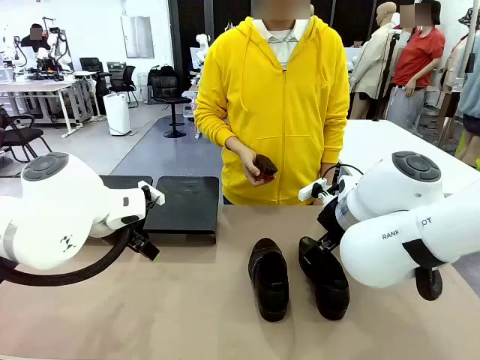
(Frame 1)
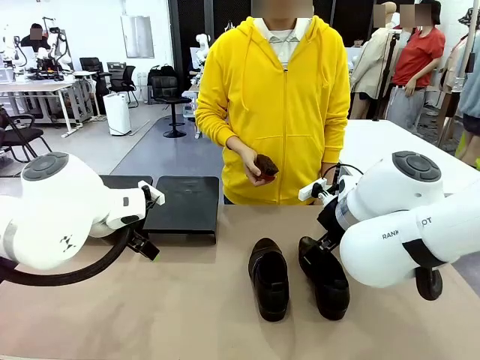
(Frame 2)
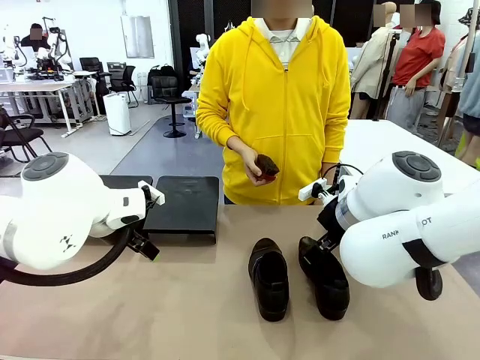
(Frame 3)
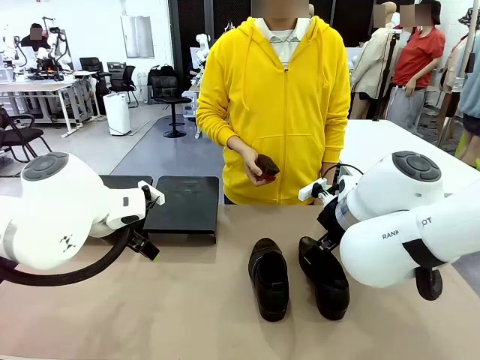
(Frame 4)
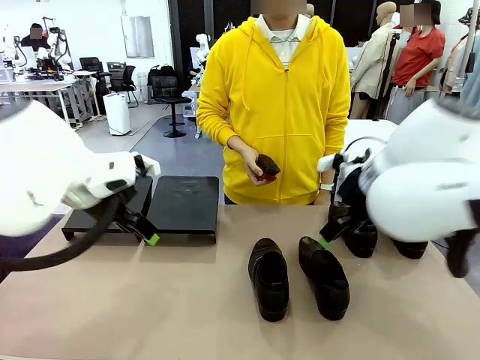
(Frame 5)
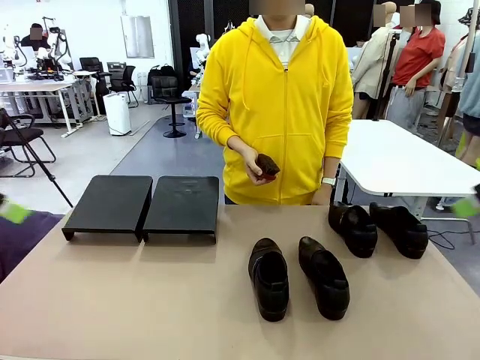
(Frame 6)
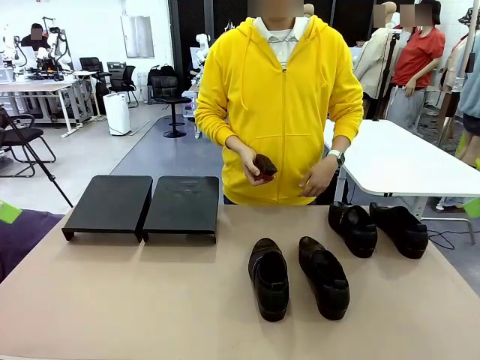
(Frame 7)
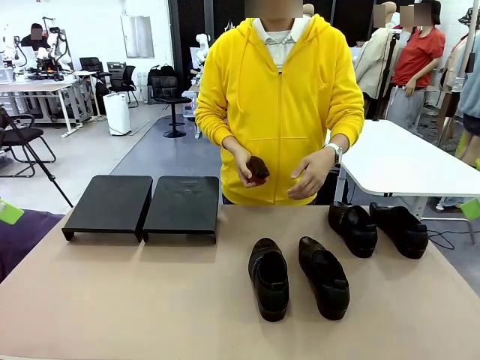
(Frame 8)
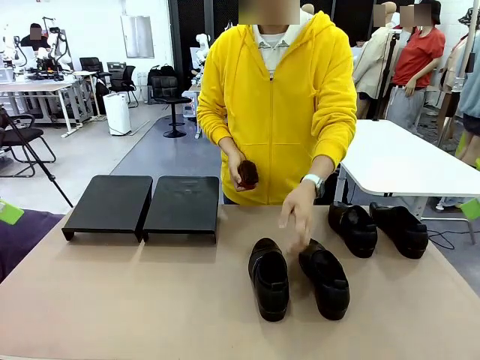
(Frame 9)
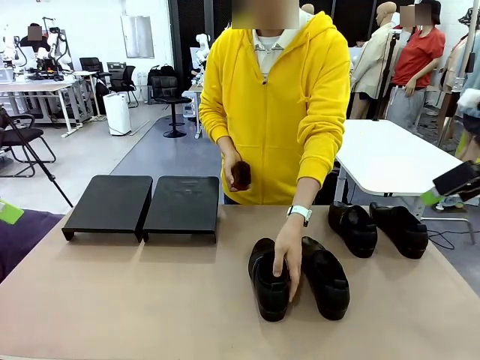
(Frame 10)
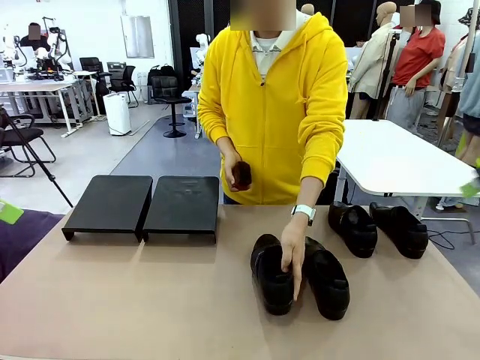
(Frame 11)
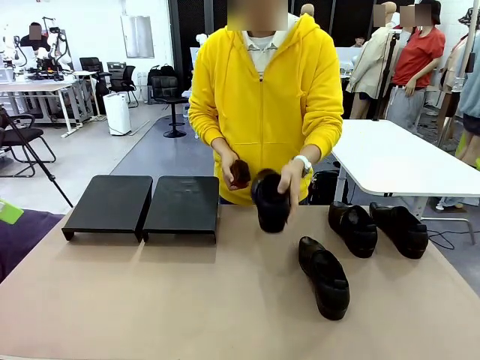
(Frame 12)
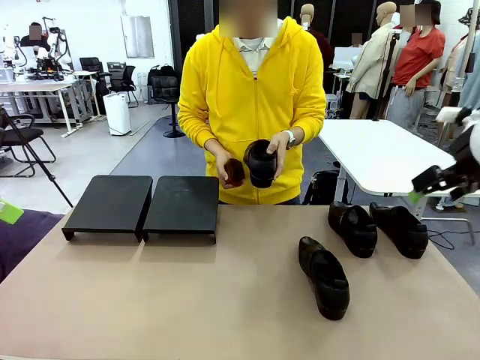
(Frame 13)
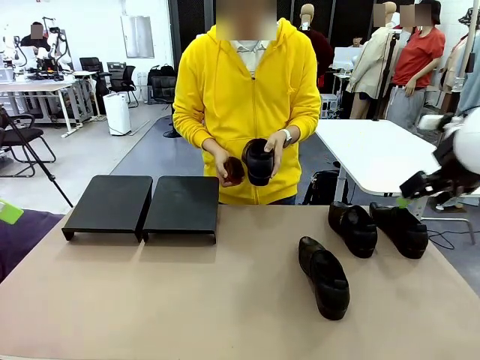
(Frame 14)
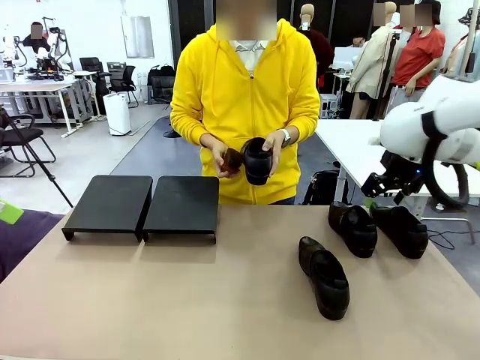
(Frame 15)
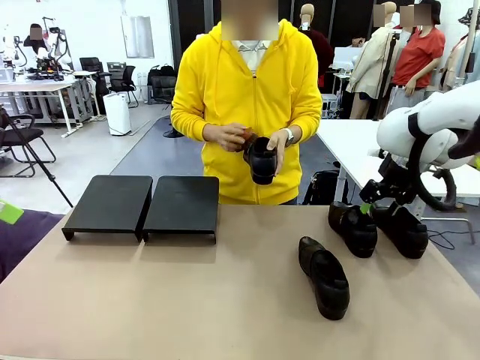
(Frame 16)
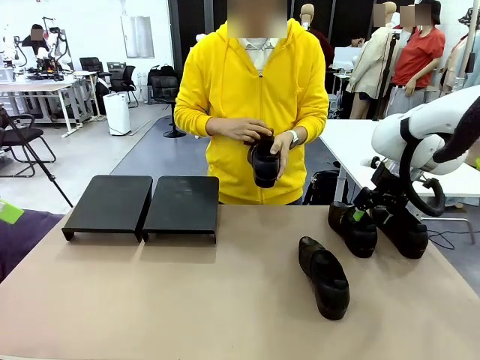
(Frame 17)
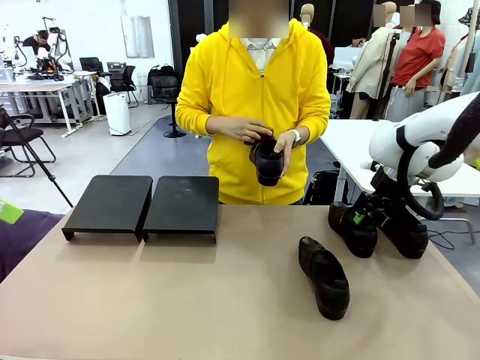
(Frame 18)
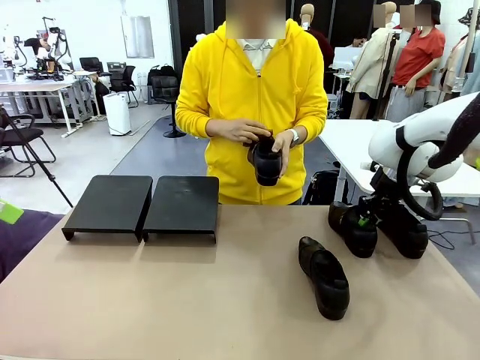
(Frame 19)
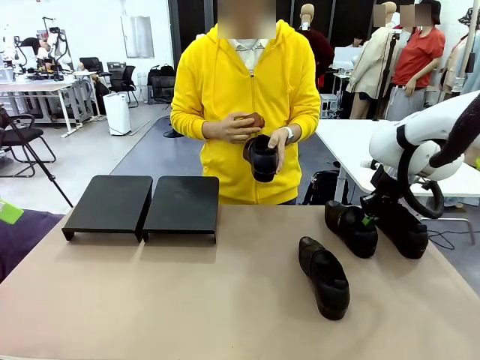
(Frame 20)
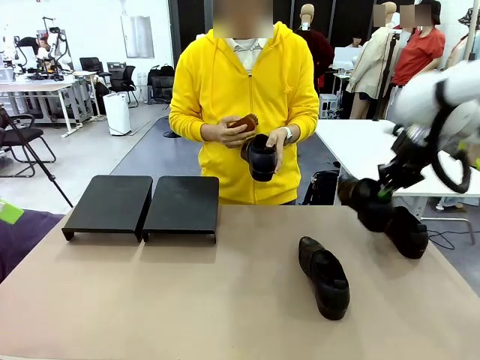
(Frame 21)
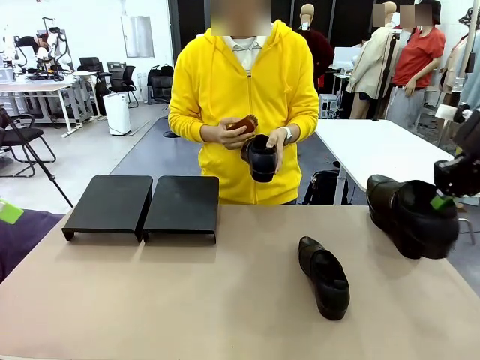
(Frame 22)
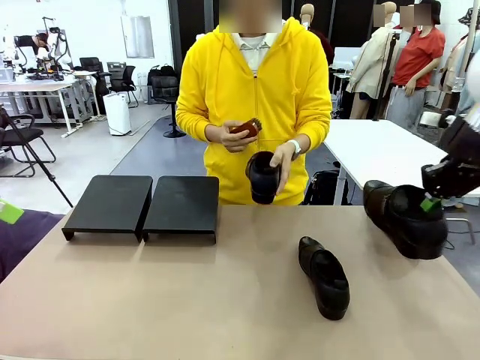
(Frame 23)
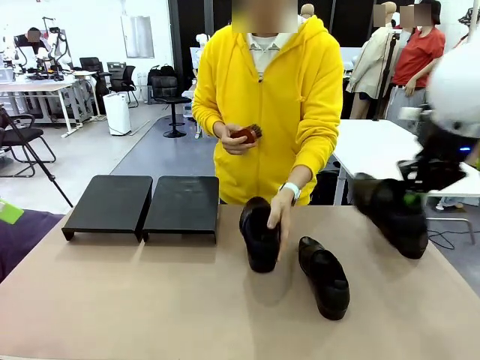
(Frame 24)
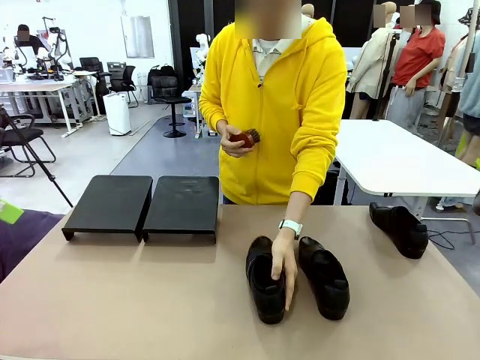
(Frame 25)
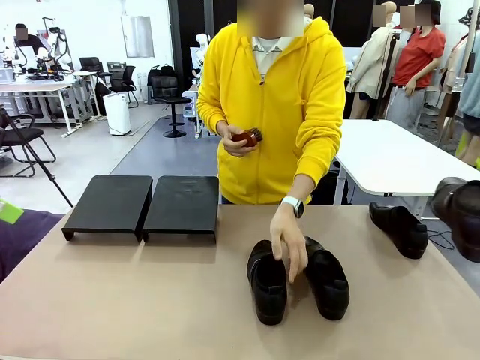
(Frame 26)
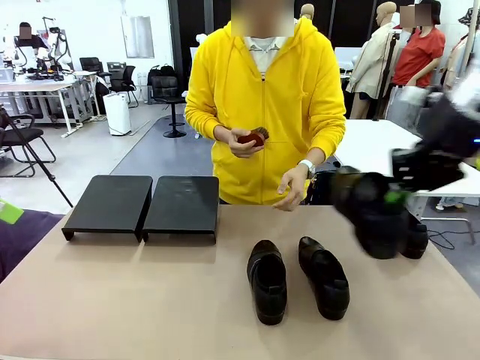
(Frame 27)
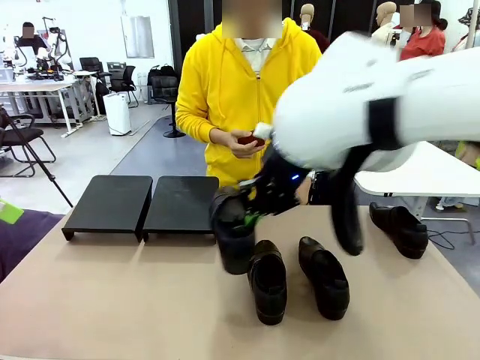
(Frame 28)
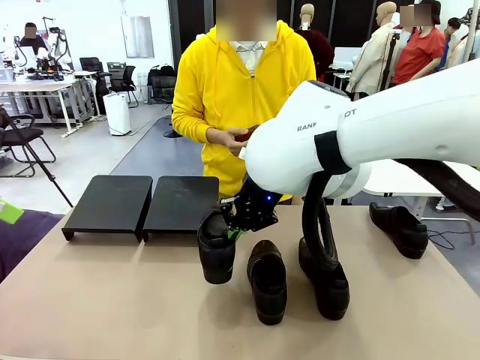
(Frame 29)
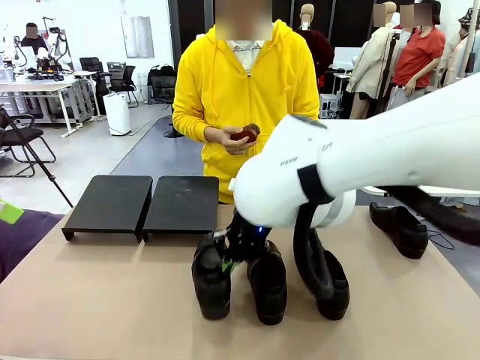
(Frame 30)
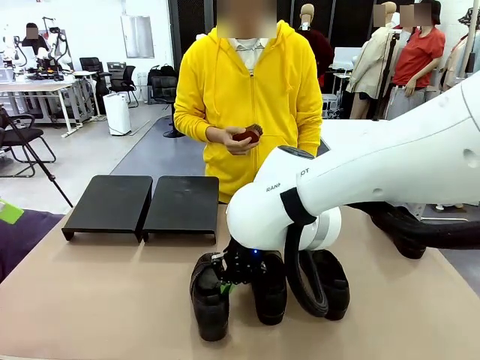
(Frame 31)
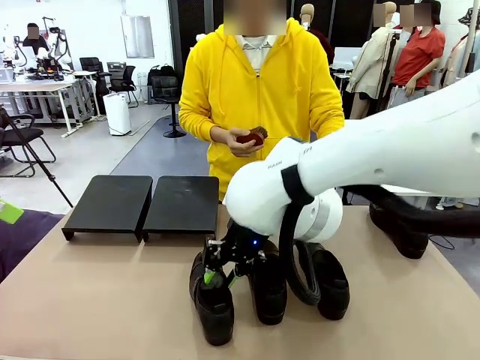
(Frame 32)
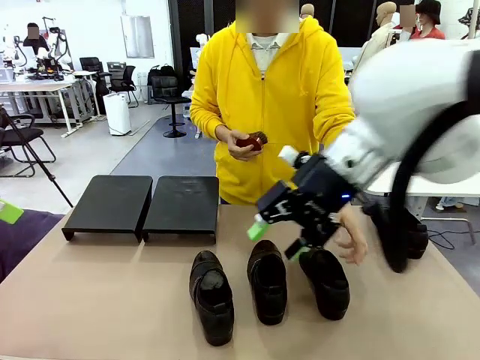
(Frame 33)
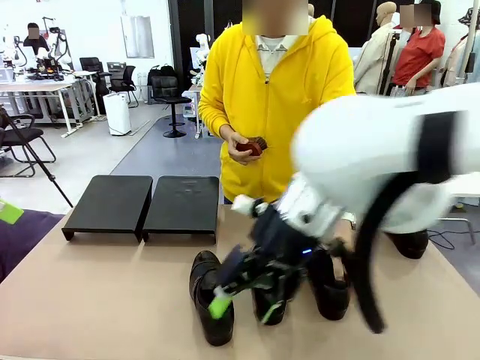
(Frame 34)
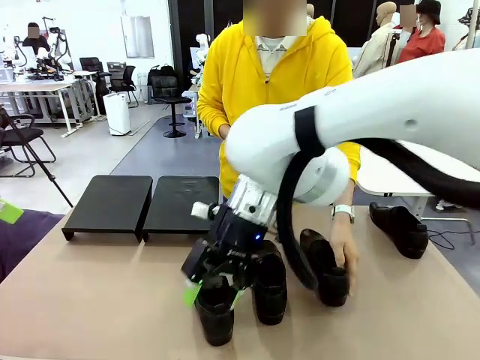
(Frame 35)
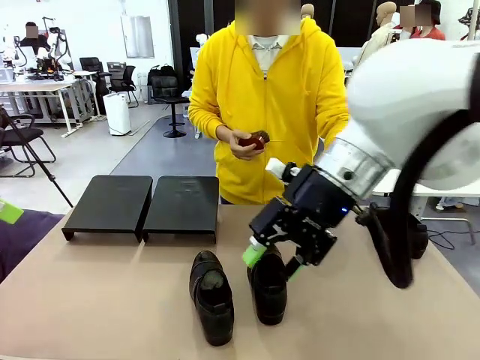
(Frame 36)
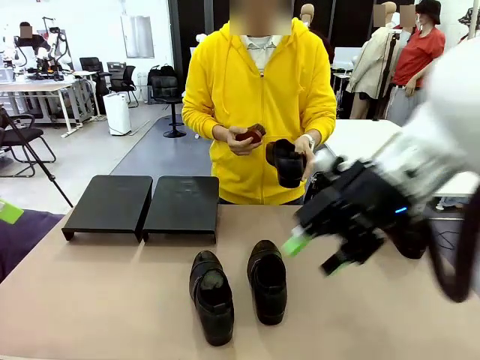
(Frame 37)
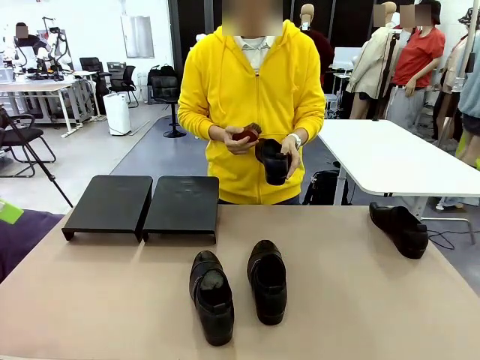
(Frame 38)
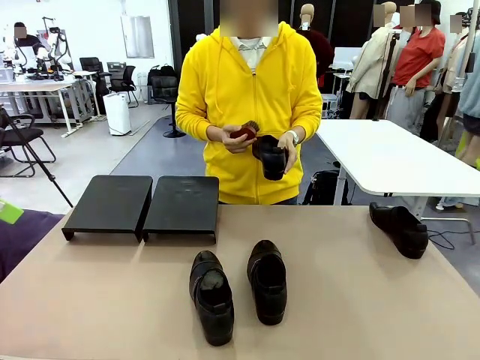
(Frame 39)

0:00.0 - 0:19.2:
Task: Organize the shoes by placing them on the stand.
Robot: Pick up one Shoe and place it in the middle of the table.
Person: Pick one Shoe on Robot's table. Clean the Shoe with the Shoe Brush. Place the Shoe on left side of the Robot's table. Pick one Shoe on Robot's table.

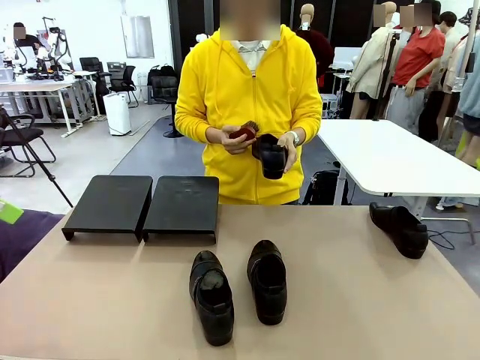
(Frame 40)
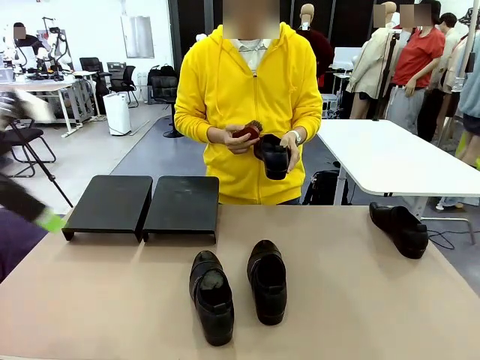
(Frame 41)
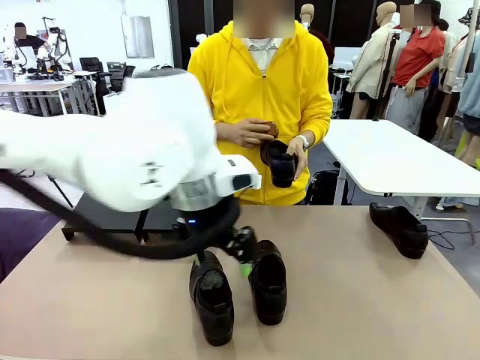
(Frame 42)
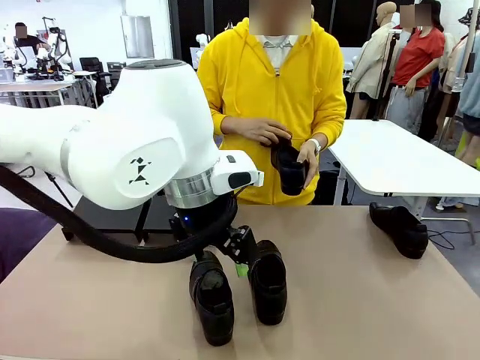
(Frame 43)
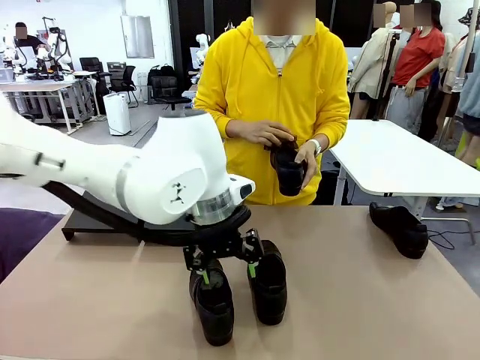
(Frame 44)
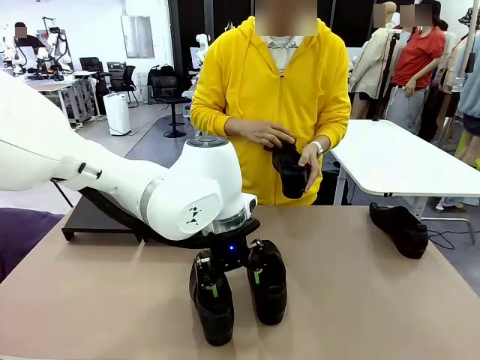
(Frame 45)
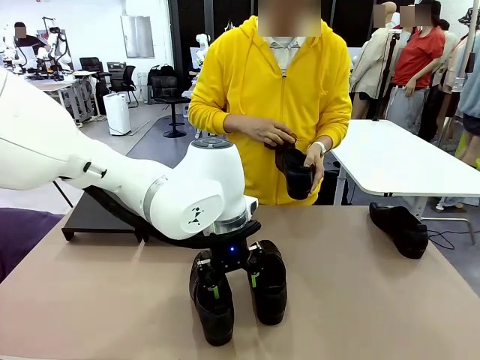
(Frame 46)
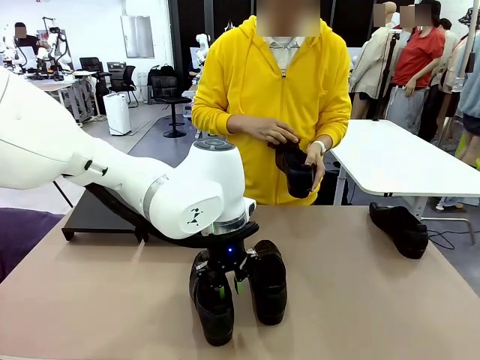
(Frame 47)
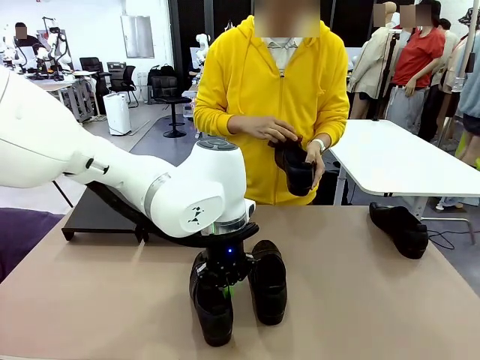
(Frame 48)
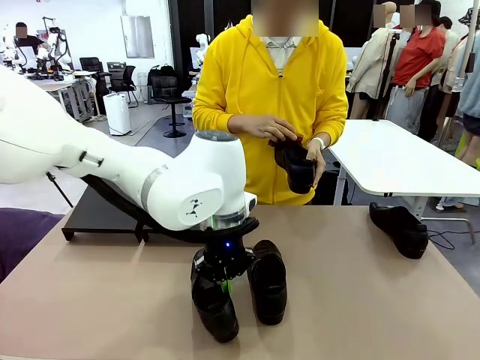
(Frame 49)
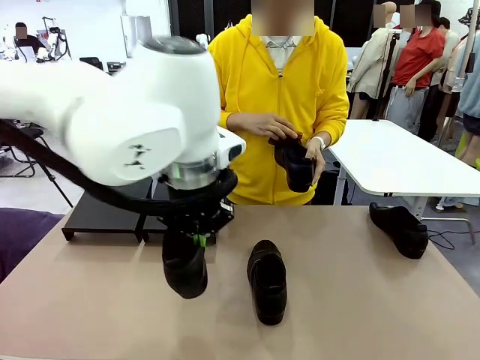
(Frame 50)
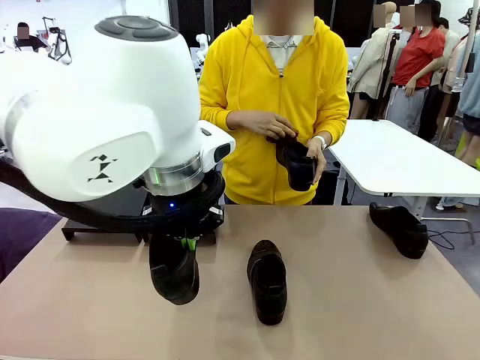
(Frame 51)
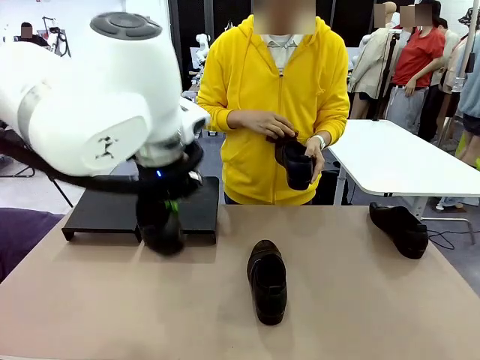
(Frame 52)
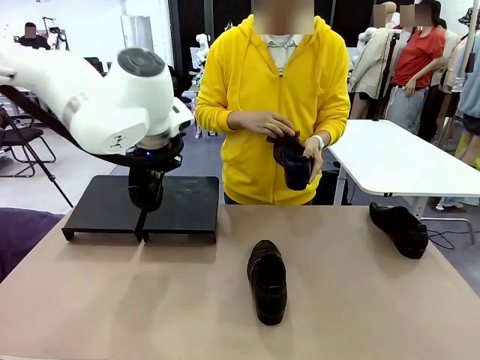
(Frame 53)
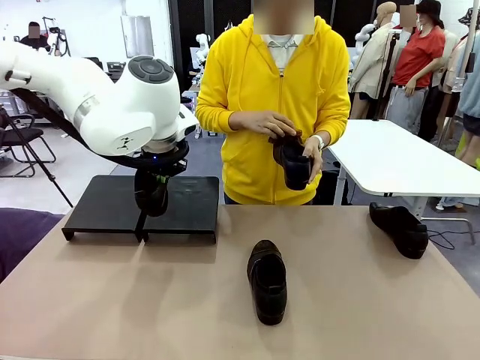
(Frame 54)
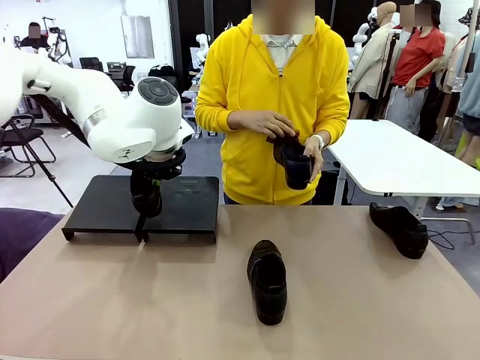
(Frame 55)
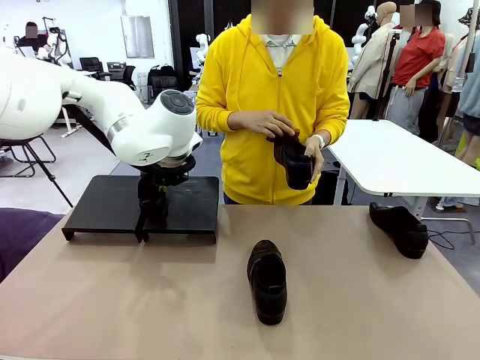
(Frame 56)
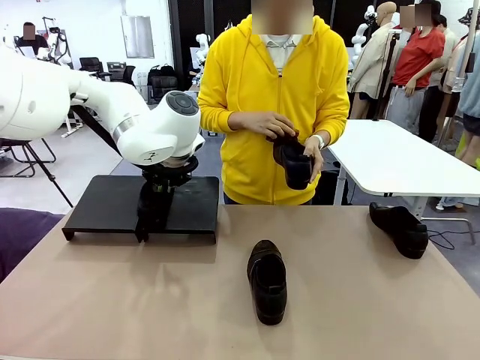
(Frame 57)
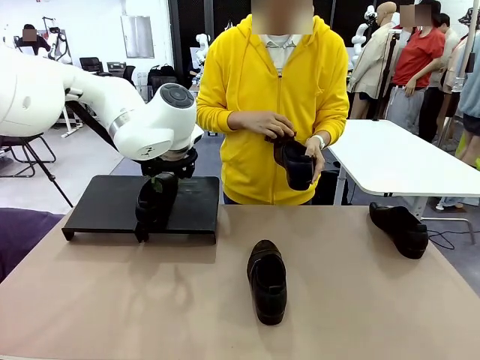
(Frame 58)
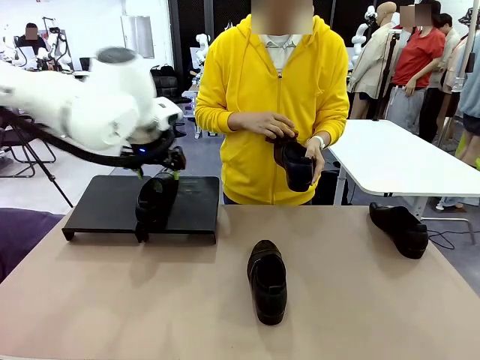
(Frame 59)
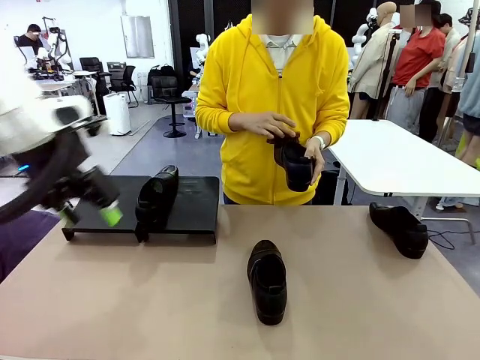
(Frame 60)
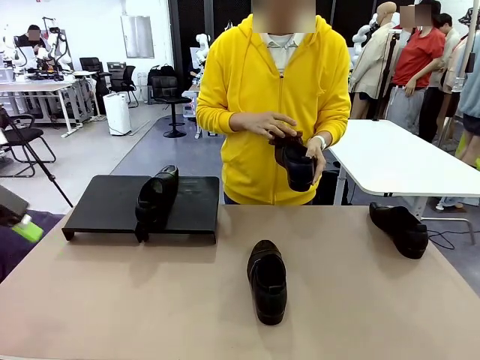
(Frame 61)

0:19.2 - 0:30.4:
Robot: Place the Shoe from the middle of the table onto the Shoes Stand.
Person: Clean the Shoe with the Shoe Brush.
